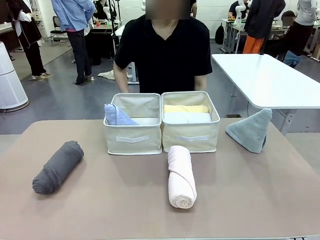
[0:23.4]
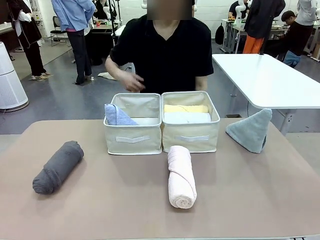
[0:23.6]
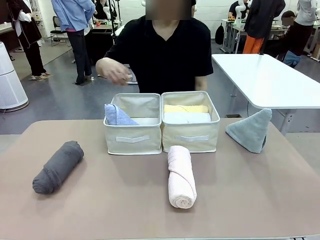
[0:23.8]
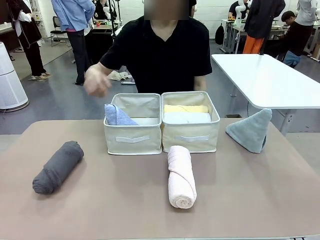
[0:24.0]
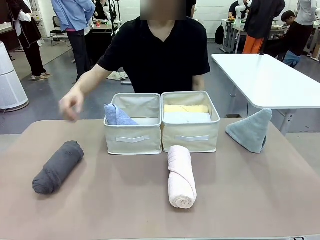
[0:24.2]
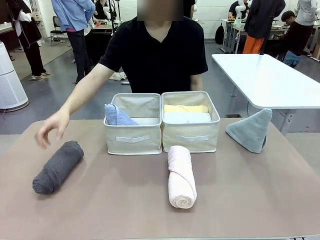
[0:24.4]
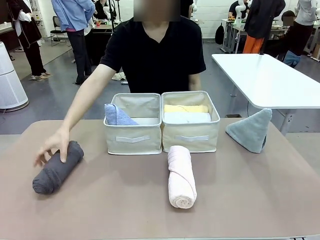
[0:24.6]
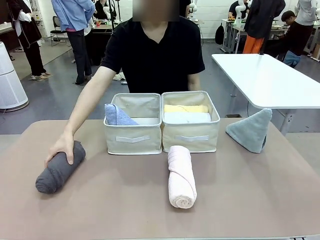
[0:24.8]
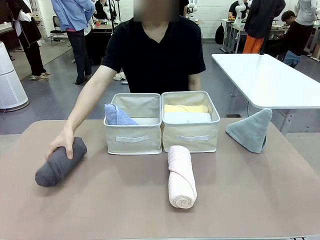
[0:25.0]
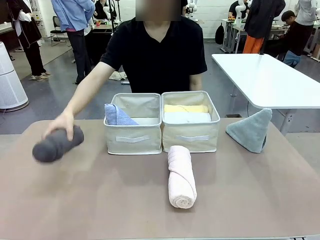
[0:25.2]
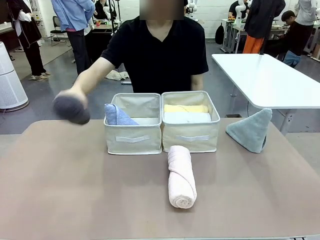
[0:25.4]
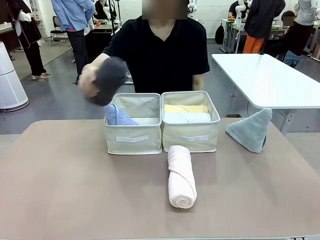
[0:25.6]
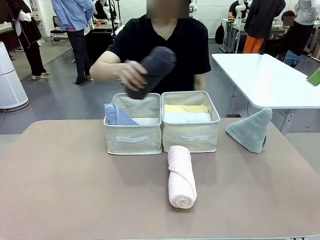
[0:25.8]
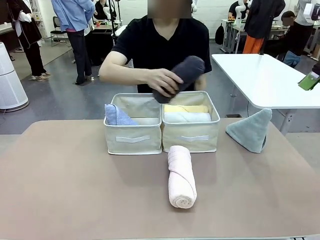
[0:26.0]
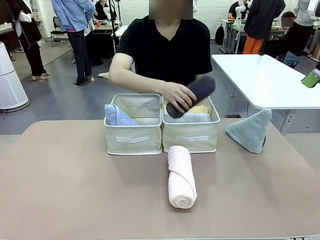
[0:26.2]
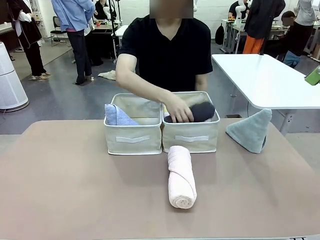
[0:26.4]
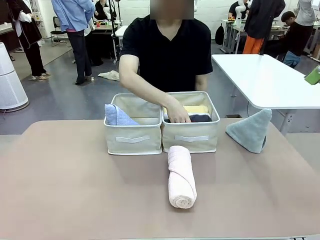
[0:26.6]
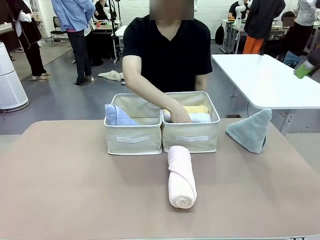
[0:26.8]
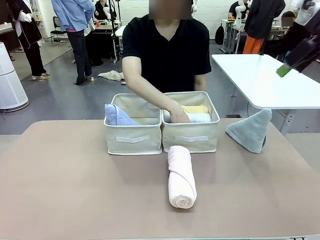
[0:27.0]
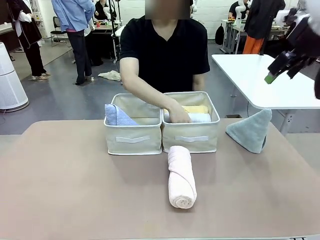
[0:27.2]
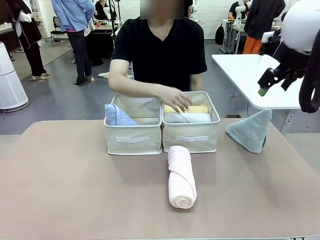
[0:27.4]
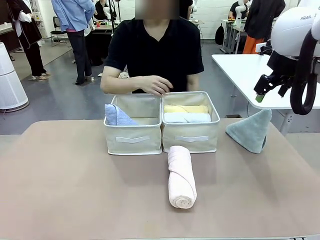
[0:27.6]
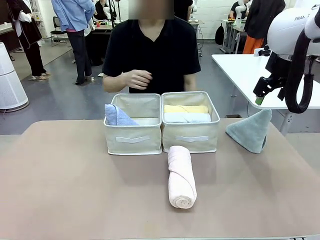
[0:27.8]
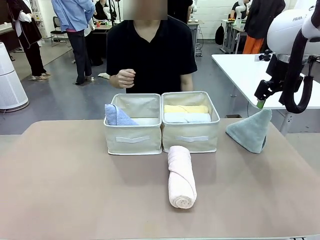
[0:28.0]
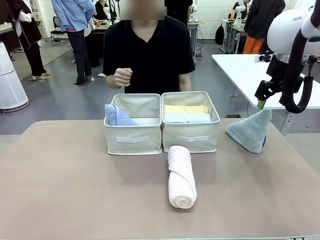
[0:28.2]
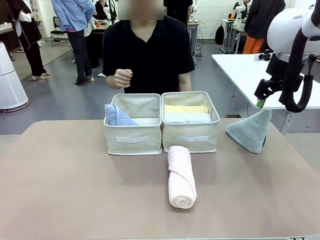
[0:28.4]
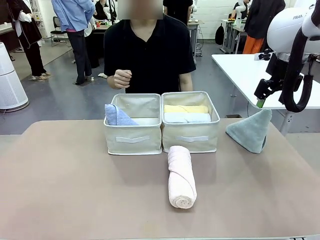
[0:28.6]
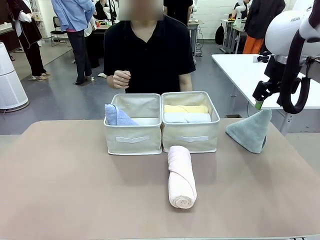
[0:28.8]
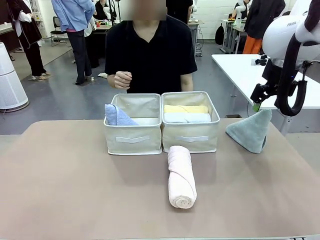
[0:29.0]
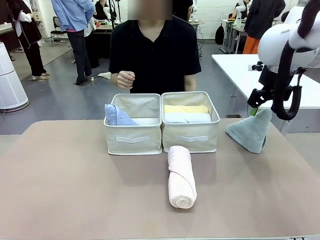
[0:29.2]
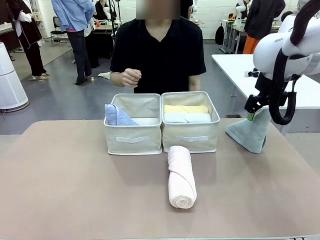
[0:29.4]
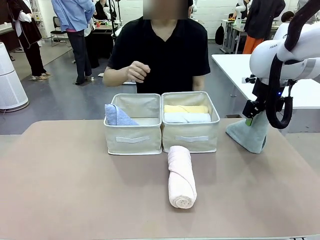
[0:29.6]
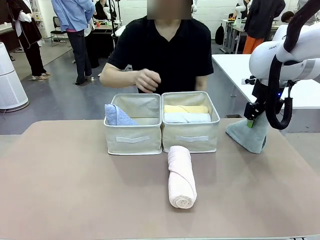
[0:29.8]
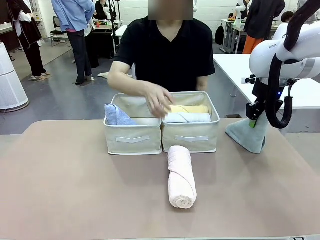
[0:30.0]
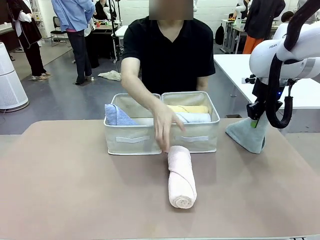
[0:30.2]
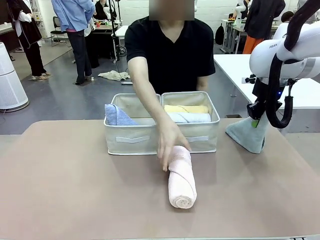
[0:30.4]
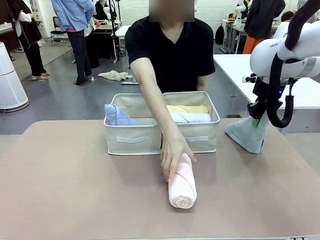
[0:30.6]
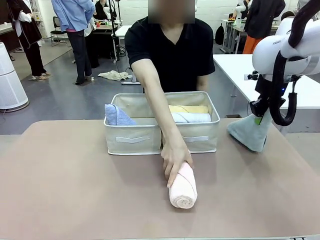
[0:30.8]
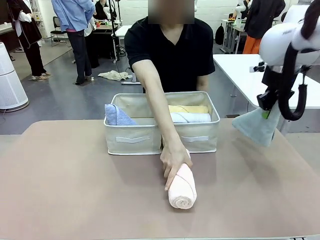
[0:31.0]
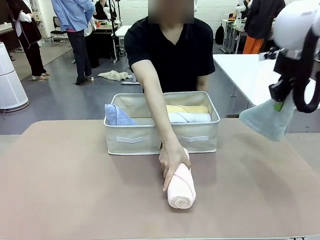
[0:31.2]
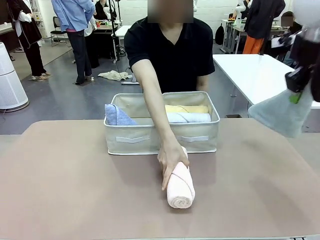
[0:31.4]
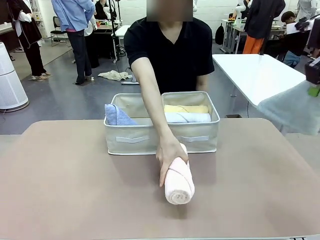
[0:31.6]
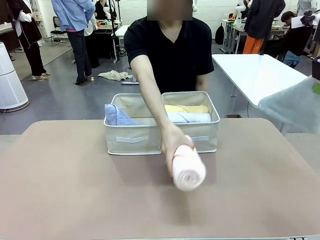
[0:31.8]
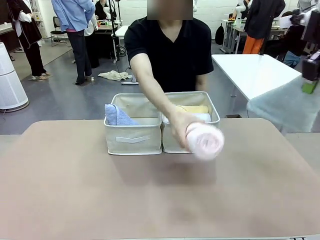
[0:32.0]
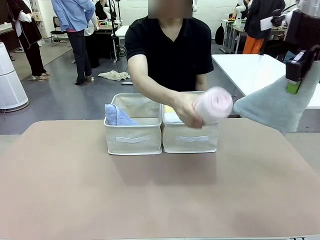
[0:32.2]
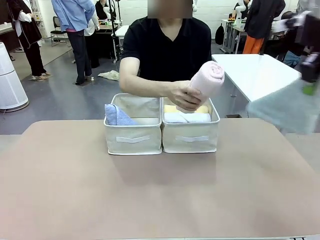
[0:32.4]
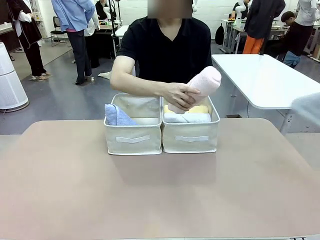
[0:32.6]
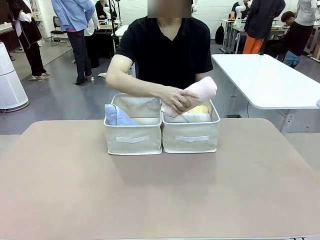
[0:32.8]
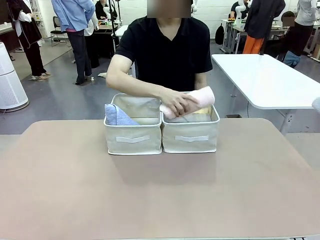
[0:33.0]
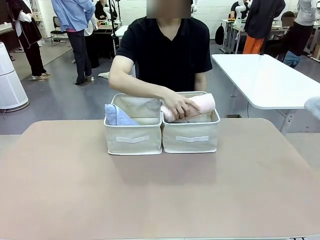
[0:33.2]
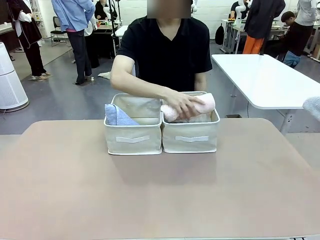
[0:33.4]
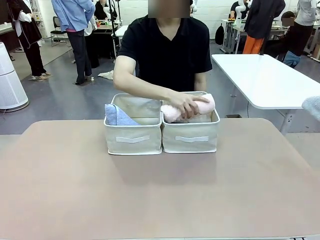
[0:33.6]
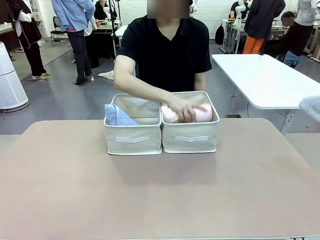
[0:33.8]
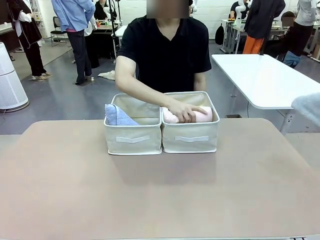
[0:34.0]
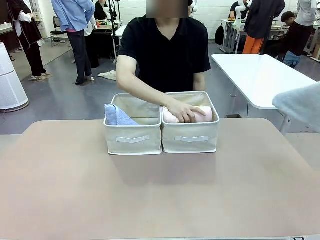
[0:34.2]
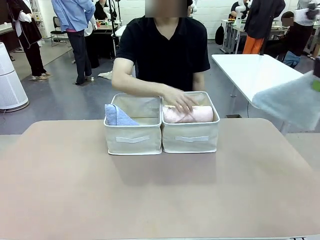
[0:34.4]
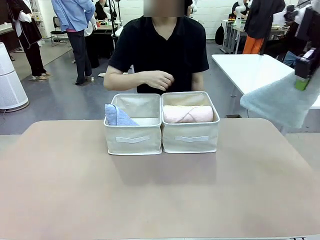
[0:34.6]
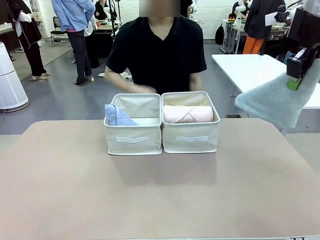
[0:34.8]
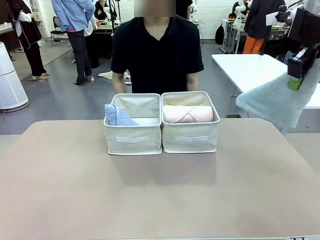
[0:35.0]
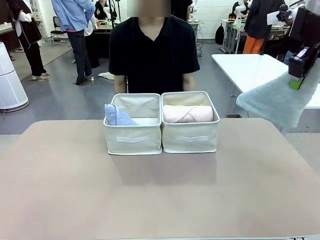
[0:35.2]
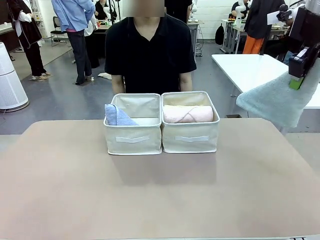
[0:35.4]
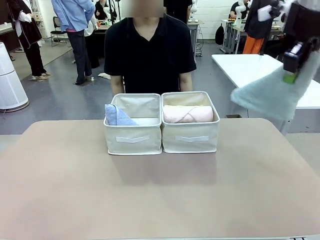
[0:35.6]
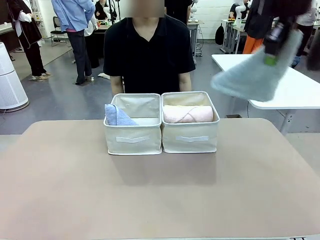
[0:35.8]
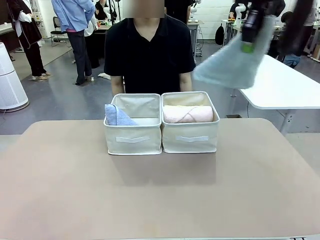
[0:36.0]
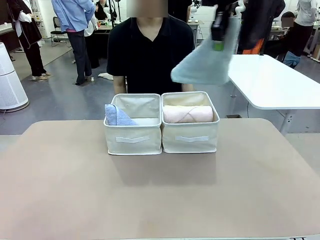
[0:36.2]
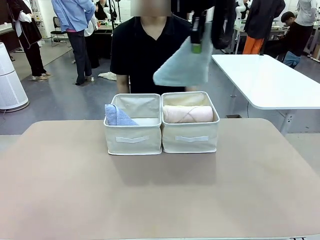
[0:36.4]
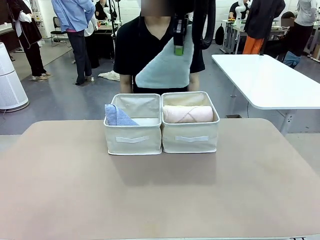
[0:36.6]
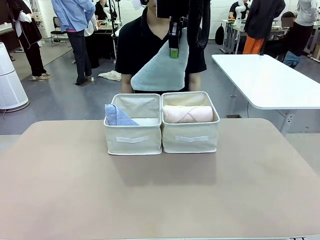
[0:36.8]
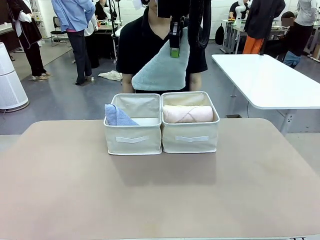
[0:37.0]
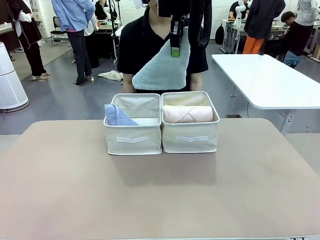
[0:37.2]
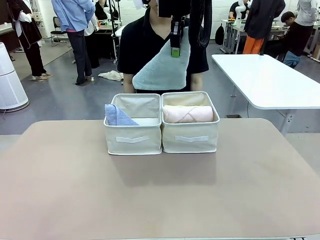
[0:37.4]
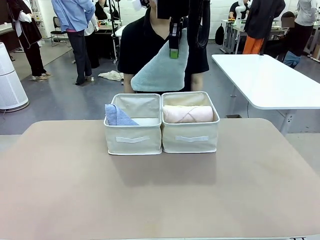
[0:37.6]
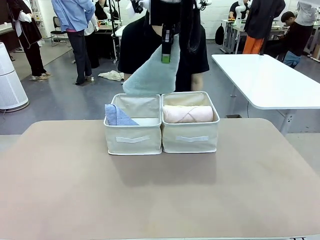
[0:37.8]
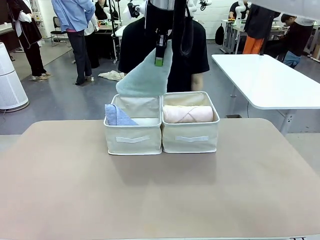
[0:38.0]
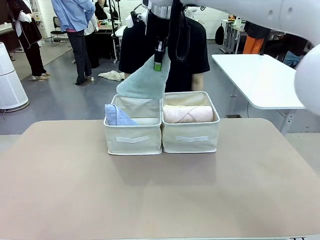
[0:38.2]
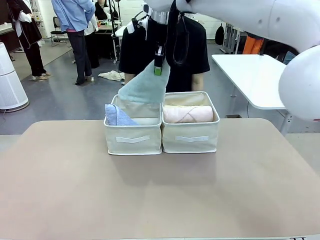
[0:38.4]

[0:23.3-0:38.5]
Task: Sort the towels based on their folding style.
Robot: Pick up another triangle-folded towel from the table and place it in the left Fabric basket.
